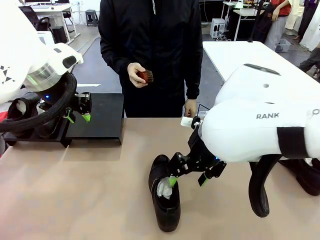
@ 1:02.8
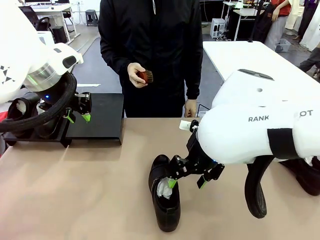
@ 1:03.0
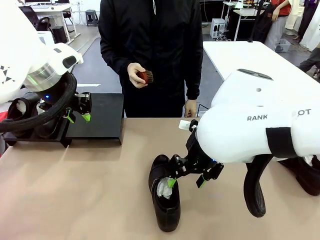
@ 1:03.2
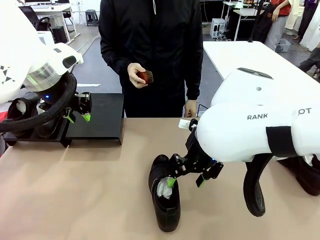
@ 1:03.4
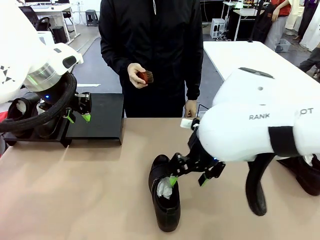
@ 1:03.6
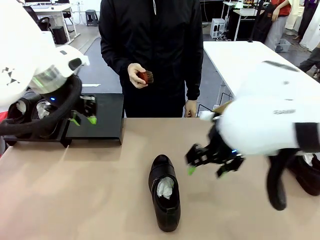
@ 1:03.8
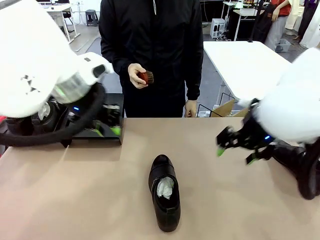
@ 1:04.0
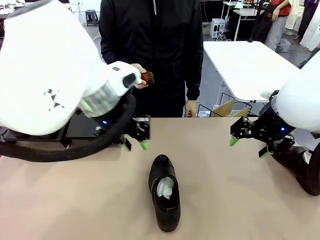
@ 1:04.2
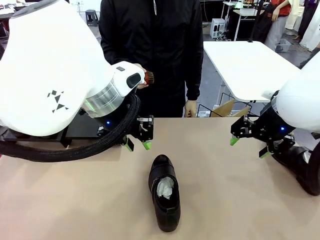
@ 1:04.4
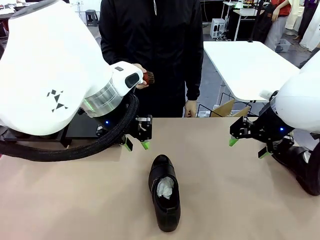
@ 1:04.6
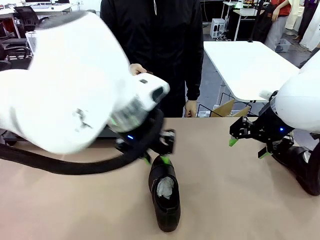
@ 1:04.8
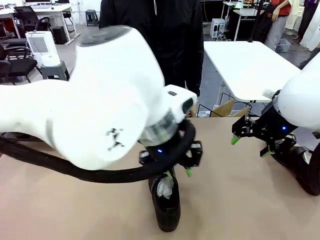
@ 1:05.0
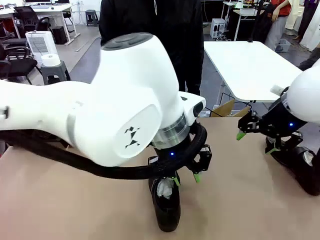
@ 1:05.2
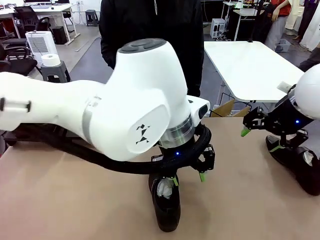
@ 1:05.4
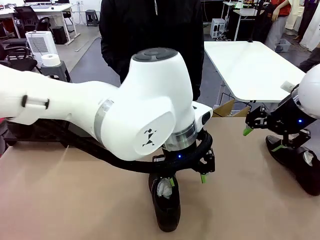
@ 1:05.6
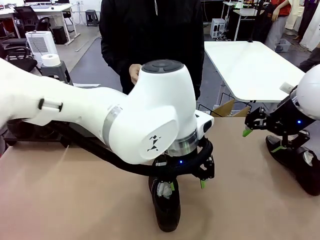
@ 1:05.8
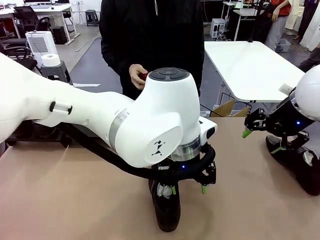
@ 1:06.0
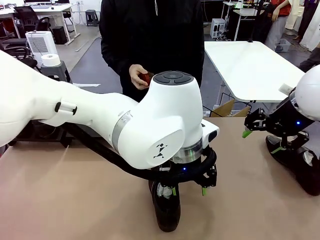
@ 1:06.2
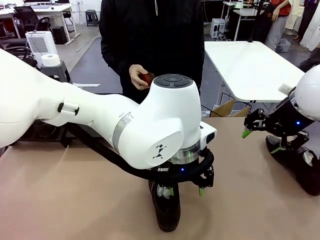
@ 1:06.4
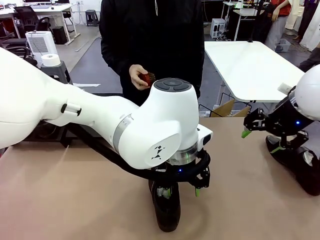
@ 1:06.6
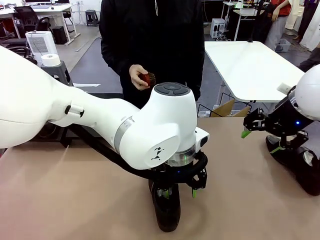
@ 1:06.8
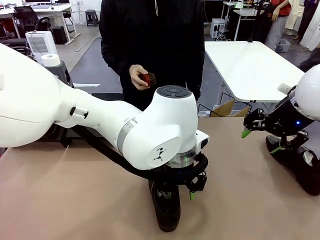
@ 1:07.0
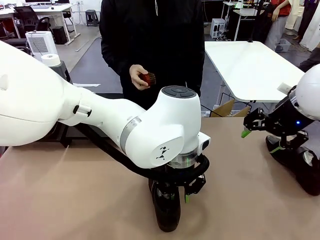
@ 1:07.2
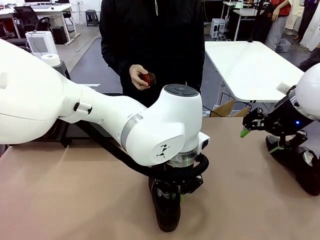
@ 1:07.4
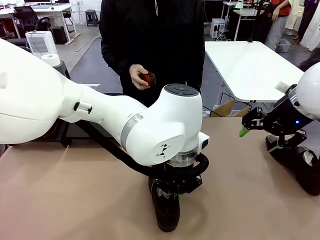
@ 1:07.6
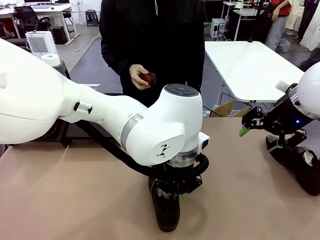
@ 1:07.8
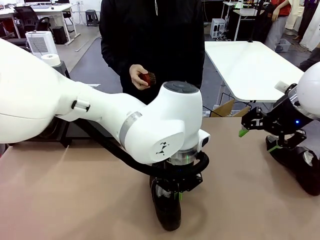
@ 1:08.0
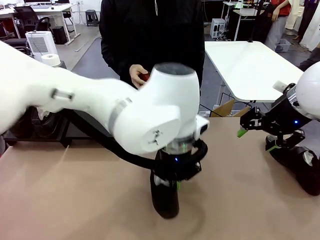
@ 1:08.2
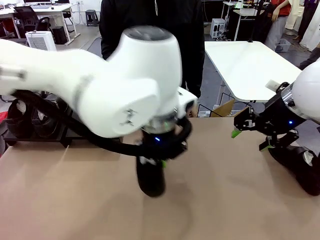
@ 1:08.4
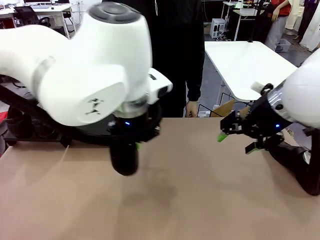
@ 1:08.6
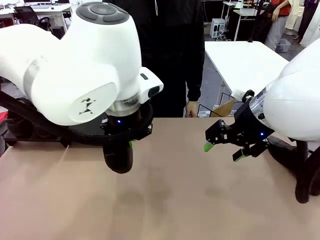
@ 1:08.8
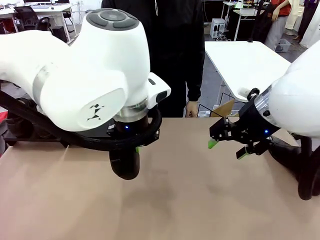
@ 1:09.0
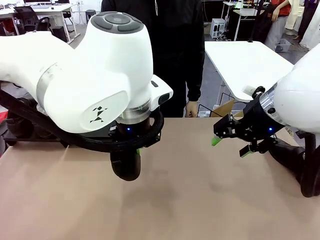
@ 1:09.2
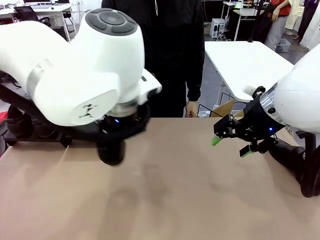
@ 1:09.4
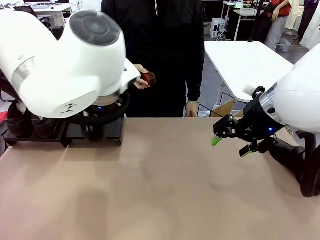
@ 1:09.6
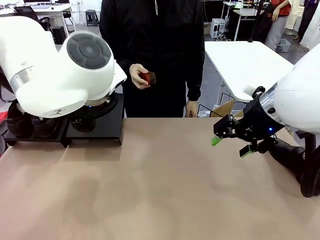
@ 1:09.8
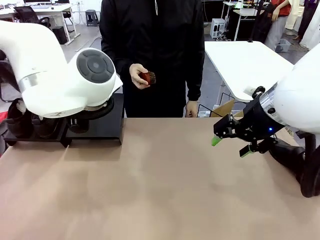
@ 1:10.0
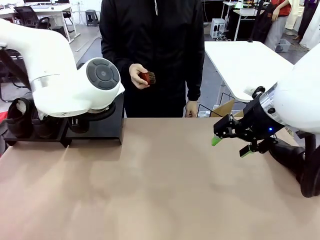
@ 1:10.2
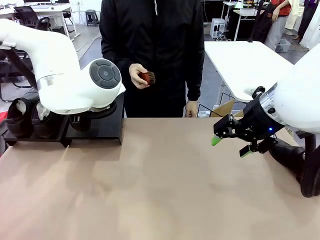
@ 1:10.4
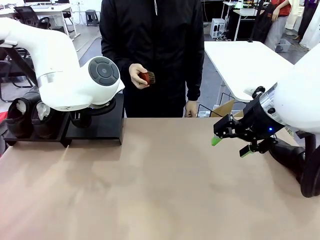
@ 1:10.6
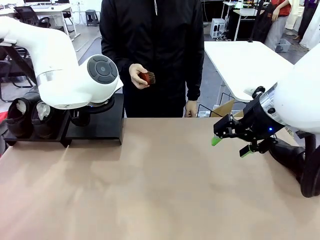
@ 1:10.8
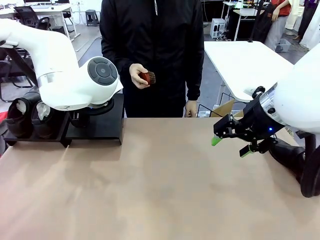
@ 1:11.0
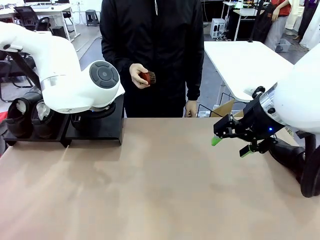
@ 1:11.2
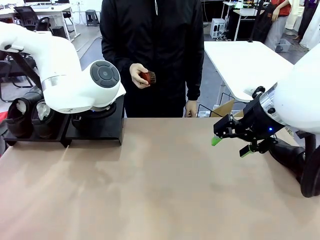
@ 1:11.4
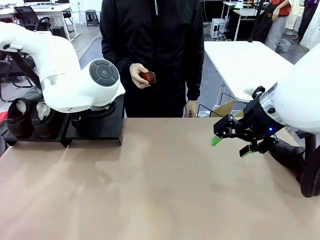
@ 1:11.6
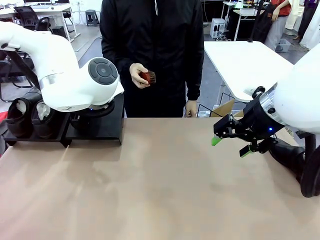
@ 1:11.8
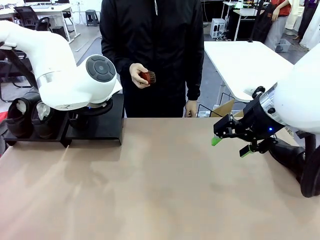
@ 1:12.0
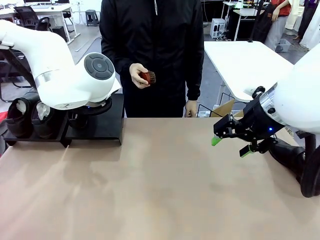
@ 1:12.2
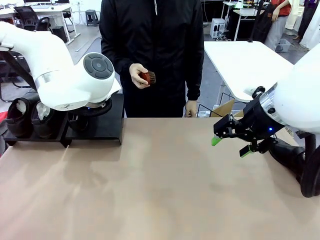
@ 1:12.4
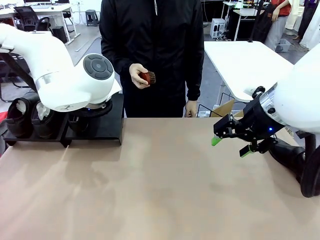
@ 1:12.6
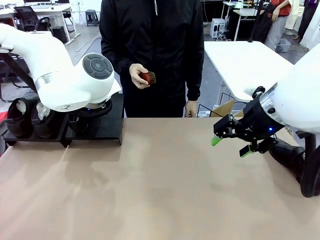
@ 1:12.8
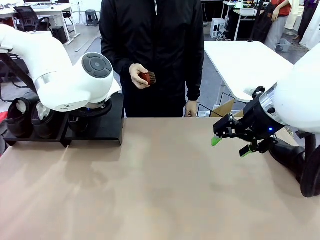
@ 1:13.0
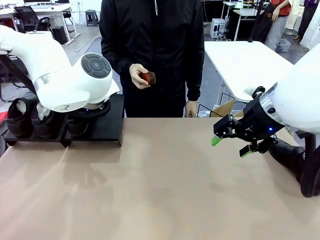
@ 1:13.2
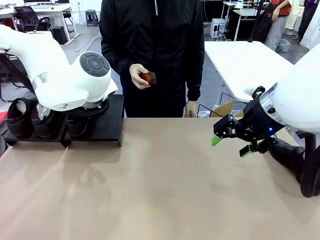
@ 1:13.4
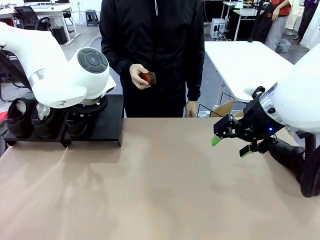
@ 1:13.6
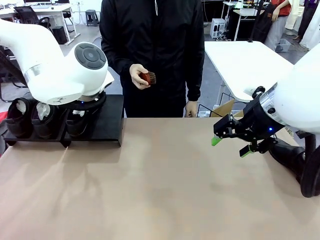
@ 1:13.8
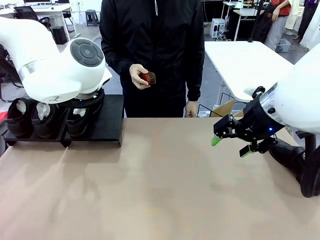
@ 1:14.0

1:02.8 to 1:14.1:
Task: Organize the shoes by placing them on the stand.
Robot: Place the Shoe from the middle of the table onto the Shoes Stand.

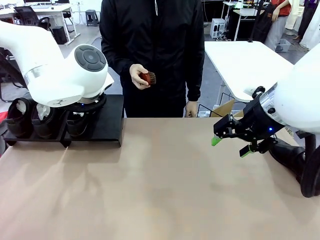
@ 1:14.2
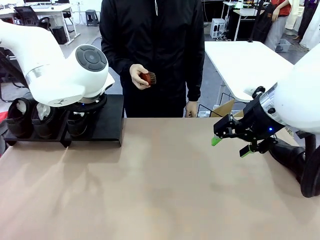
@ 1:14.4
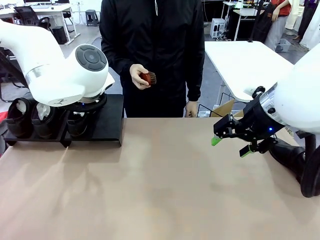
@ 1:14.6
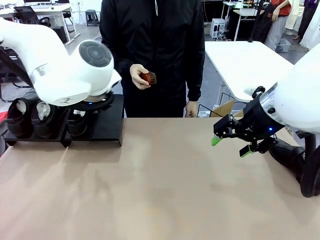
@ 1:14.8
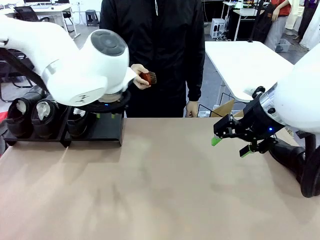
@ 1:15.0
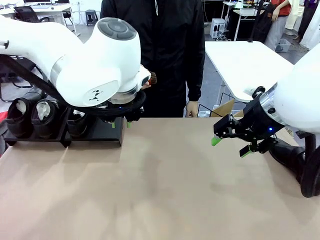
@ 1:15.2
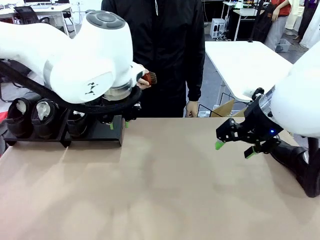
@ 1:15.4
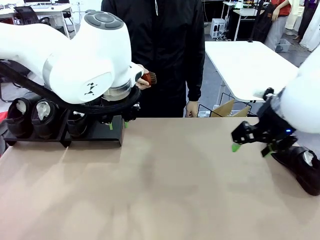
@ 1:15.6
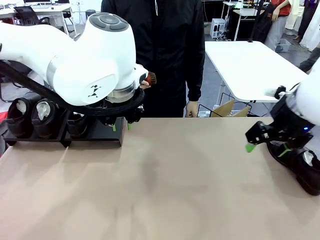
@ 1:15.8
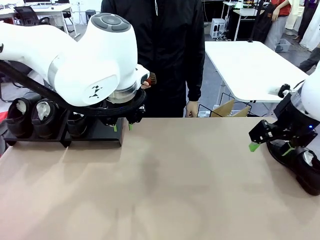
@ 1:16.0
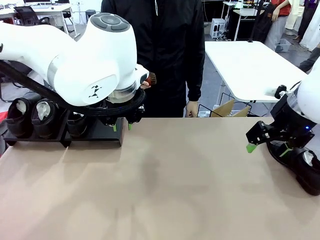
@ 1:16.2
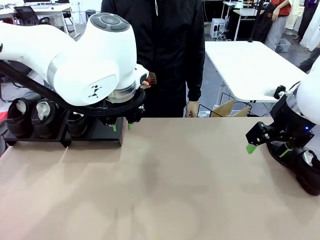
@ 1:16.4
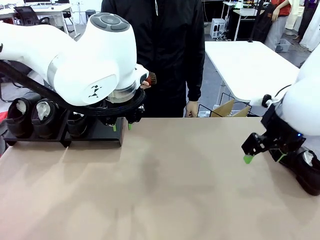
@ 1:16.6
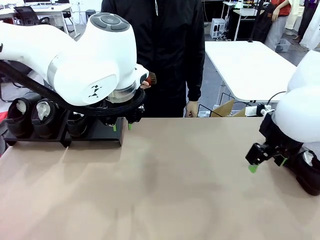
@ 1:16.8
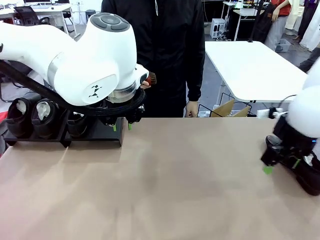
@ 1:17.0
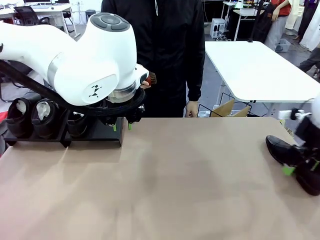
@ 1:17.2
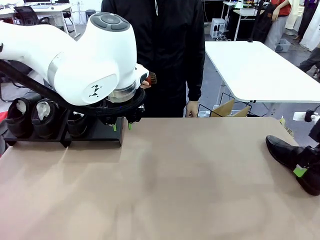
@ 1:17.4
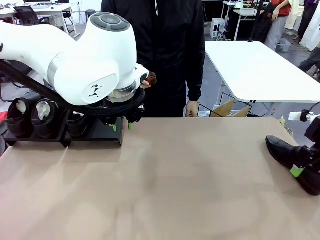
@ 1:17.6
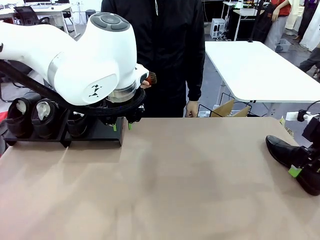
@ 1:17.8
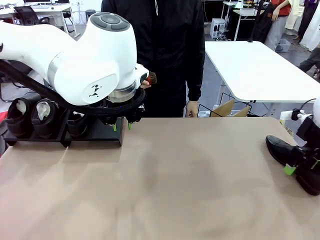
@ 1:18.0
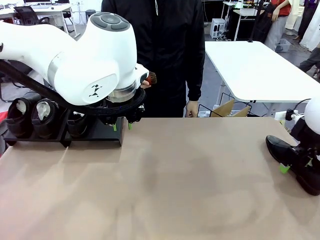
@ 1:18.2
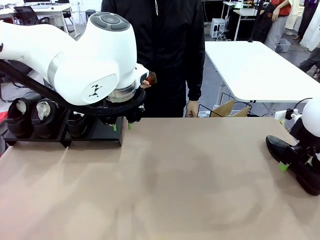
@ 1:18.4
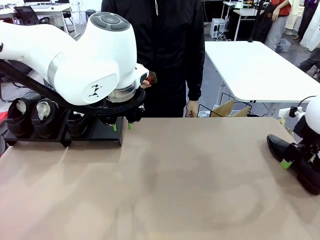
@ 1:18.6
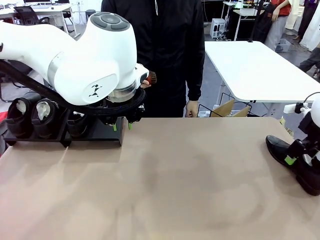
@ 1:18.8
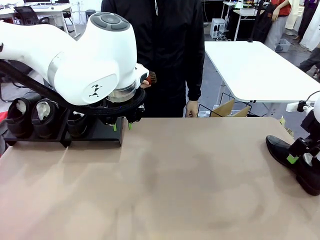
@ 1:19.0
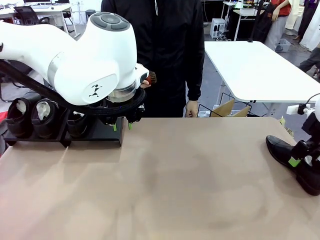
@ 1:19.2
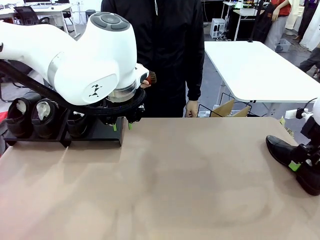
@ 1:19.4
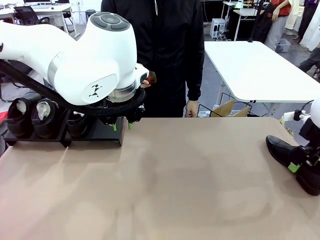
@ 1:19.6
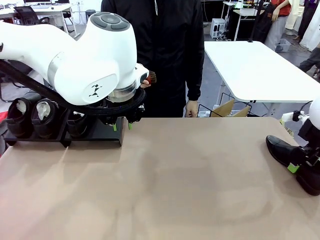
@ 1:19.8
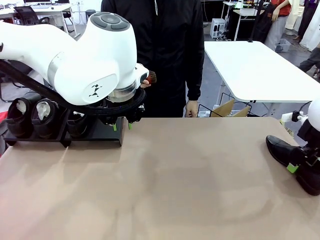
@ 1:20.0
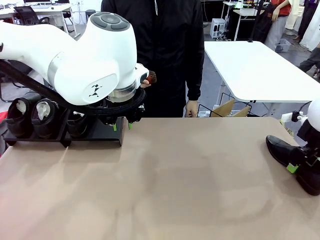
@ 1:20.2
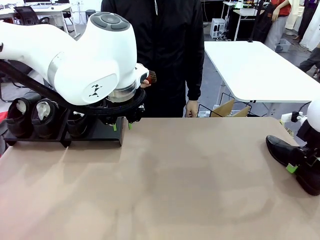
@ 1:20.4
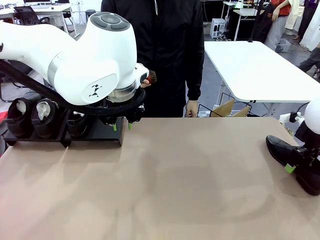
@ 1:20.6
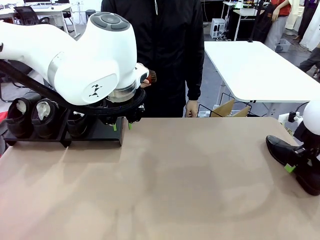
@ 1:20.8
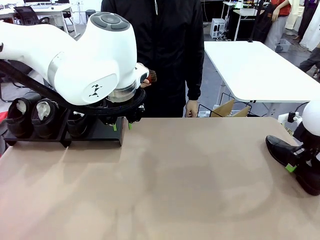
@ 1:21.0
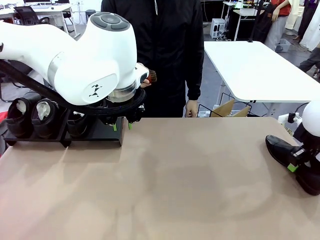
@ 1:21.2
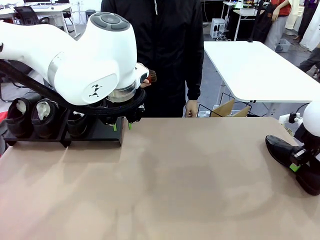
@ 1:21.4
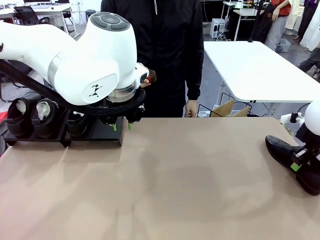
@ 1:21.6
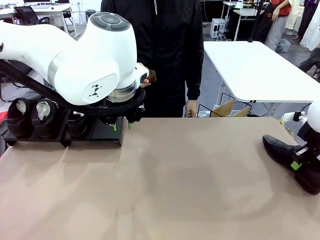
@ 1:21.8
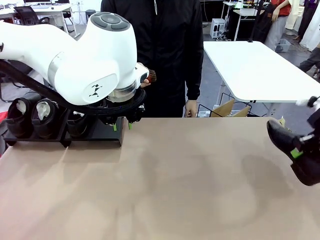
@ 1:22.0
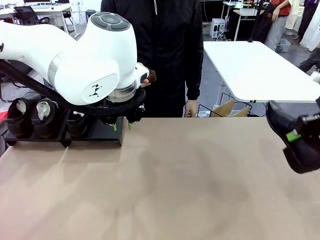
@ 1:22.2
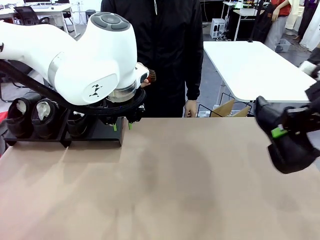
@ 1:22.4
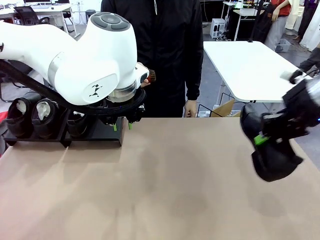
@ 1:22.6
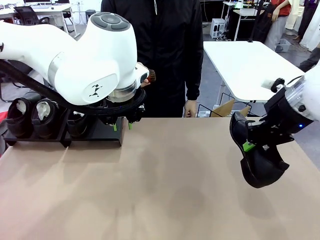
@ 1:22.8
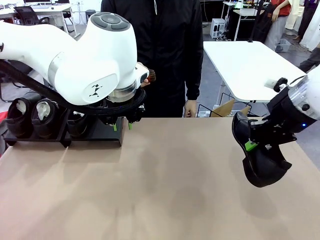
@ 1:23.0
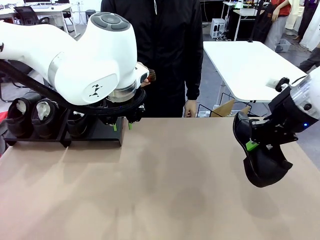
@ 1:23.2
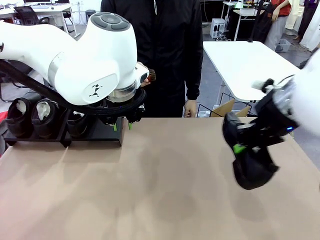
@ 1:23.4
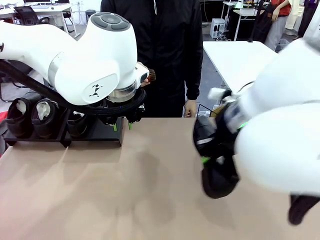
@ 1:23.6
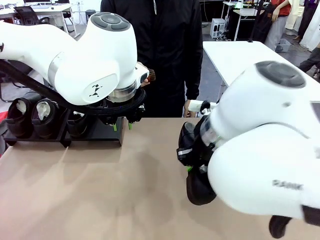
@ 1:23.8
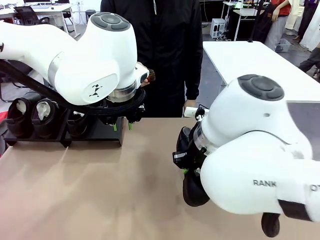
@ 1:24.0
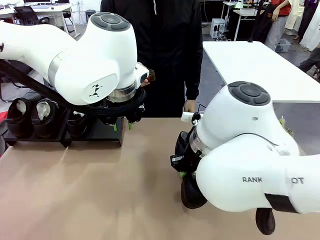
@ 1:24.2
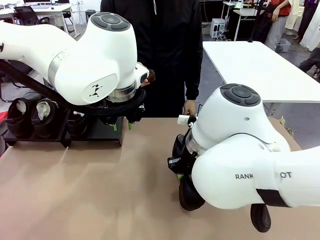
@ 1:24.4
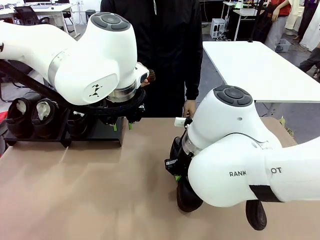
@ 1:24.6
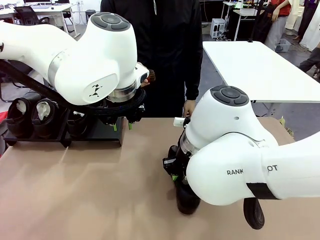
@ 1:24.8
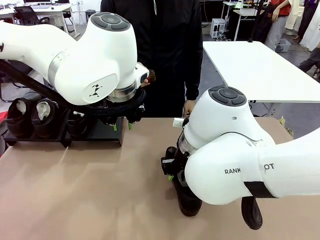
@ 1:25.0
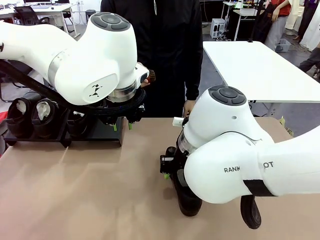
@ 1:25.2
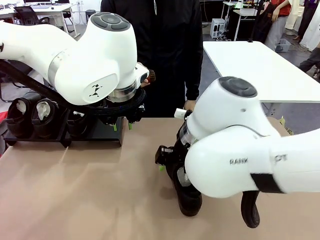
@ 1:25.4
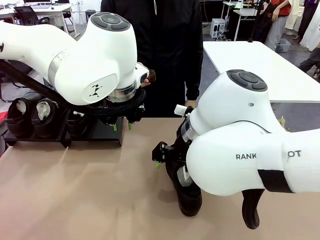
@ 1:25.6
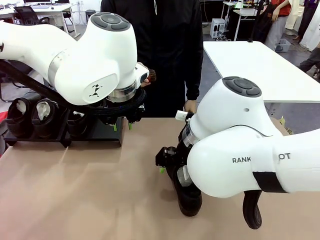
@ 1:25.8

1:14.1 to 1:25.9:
Robot: Pick up one Shoe and place it in the middle of the table.
